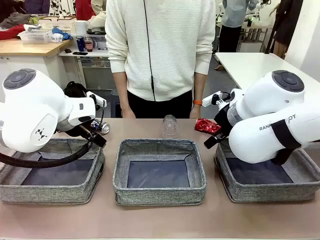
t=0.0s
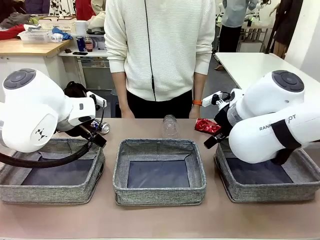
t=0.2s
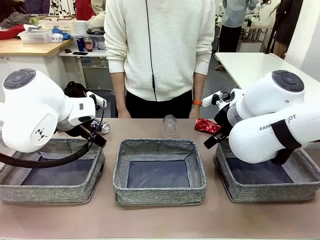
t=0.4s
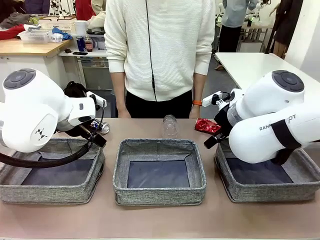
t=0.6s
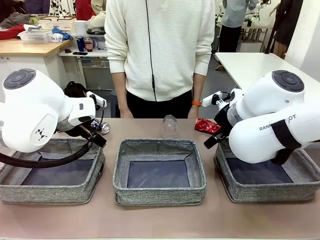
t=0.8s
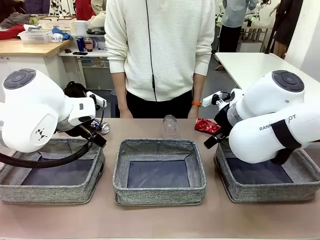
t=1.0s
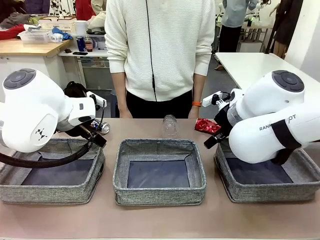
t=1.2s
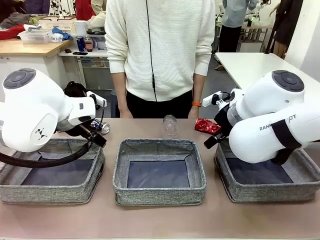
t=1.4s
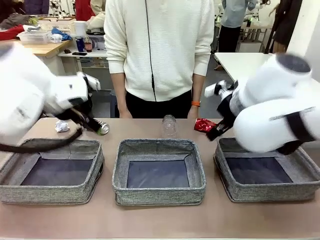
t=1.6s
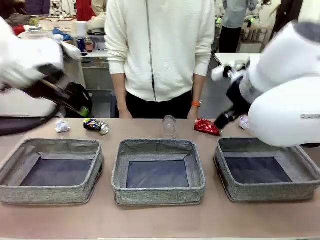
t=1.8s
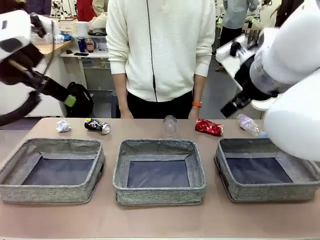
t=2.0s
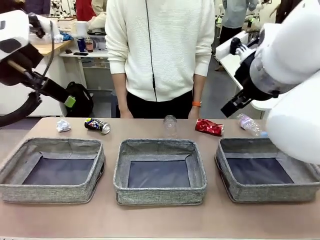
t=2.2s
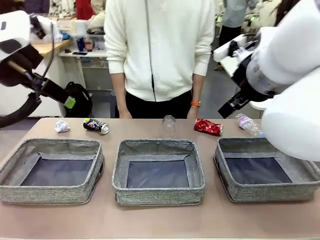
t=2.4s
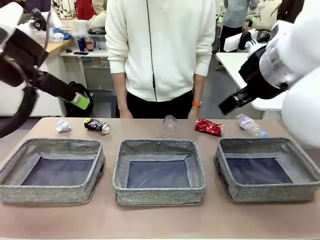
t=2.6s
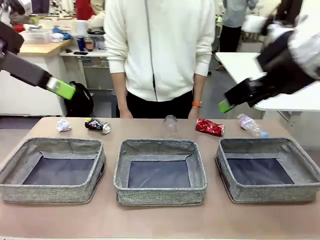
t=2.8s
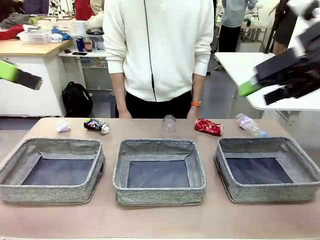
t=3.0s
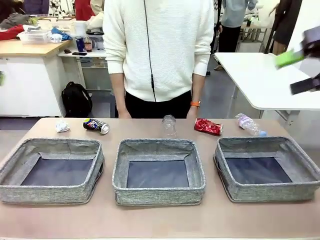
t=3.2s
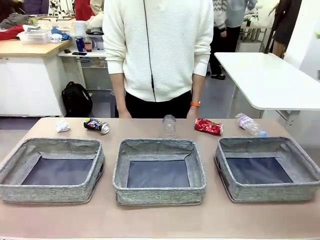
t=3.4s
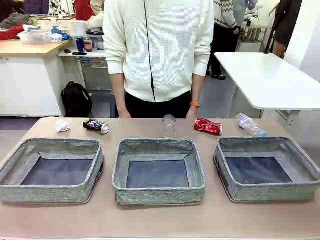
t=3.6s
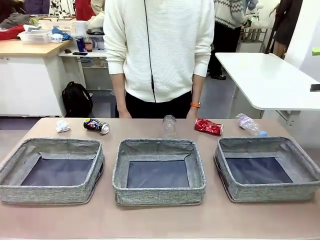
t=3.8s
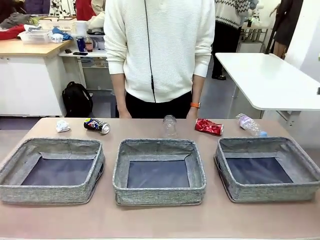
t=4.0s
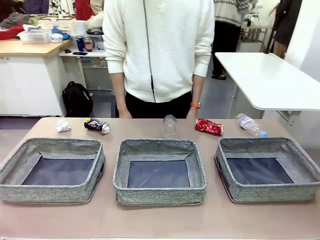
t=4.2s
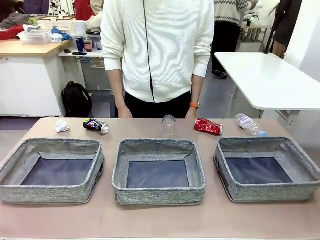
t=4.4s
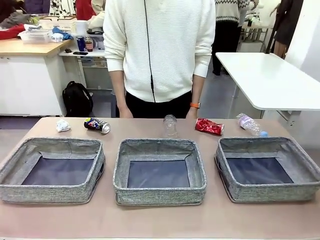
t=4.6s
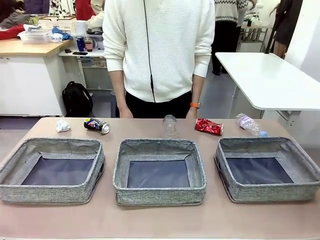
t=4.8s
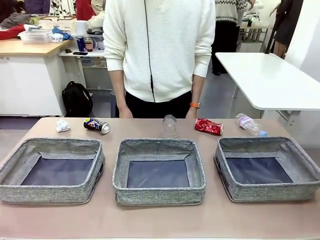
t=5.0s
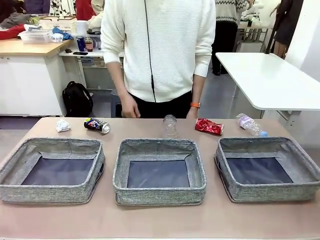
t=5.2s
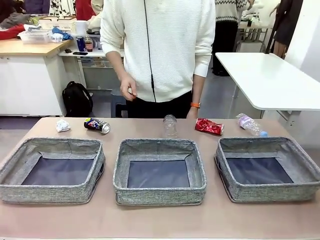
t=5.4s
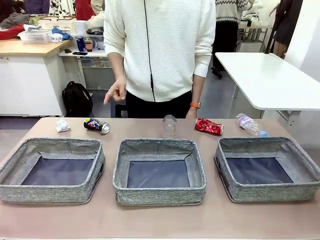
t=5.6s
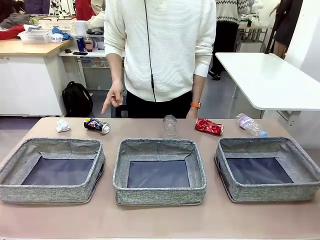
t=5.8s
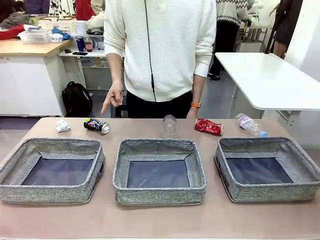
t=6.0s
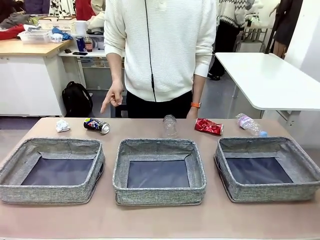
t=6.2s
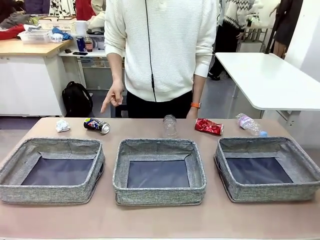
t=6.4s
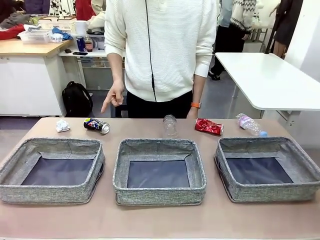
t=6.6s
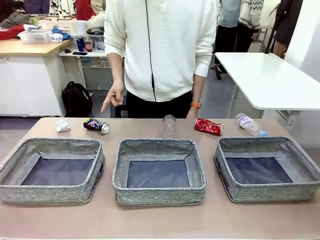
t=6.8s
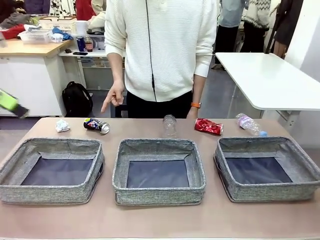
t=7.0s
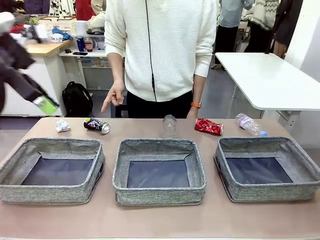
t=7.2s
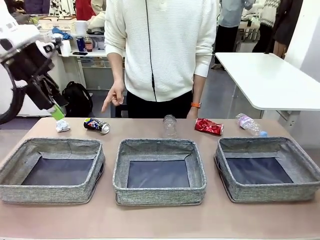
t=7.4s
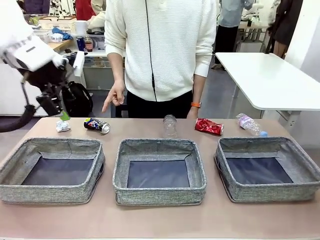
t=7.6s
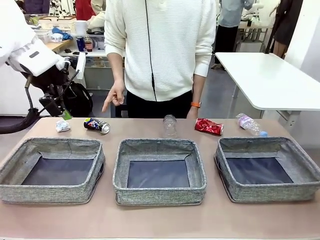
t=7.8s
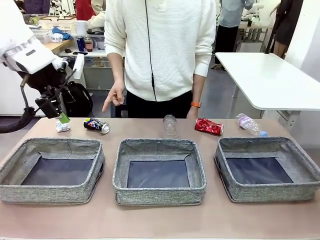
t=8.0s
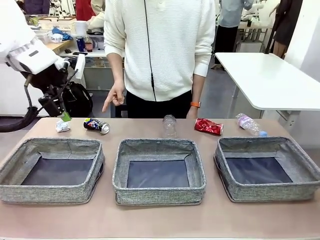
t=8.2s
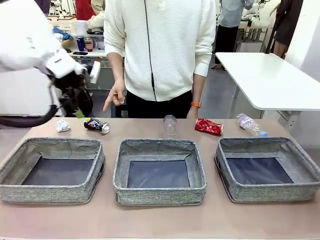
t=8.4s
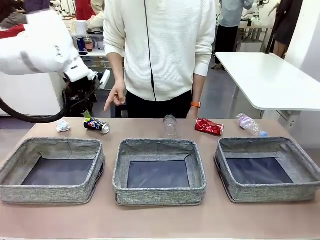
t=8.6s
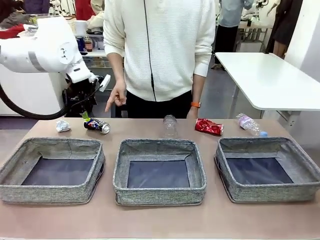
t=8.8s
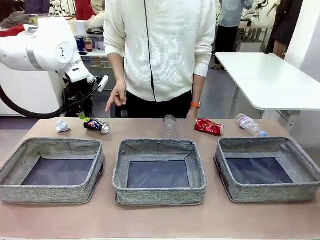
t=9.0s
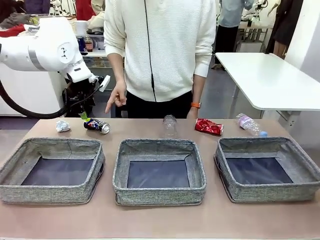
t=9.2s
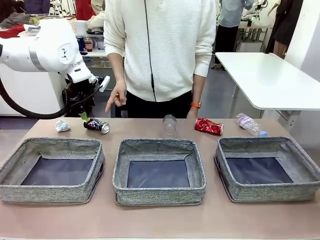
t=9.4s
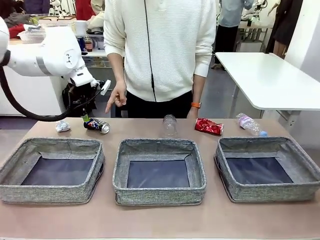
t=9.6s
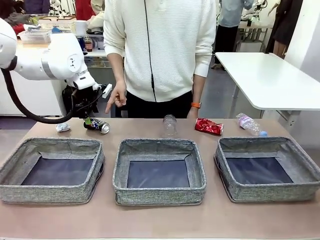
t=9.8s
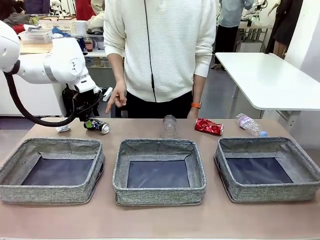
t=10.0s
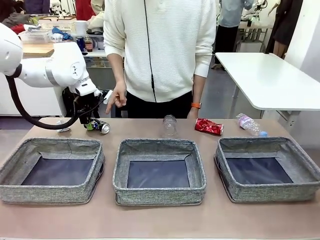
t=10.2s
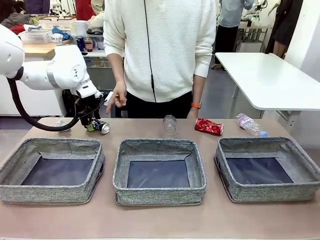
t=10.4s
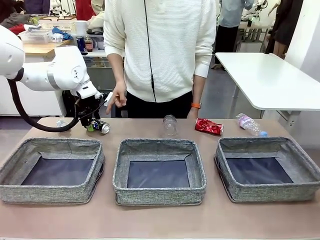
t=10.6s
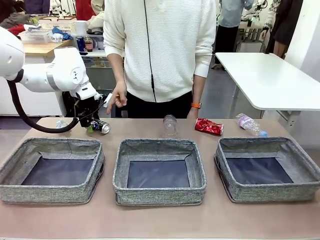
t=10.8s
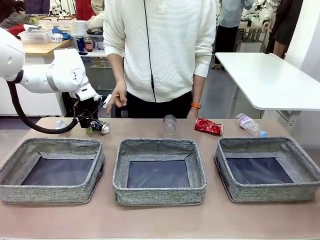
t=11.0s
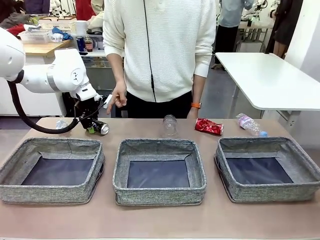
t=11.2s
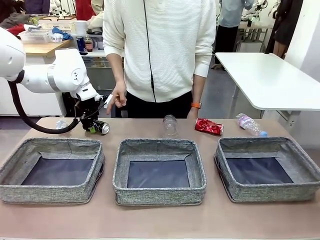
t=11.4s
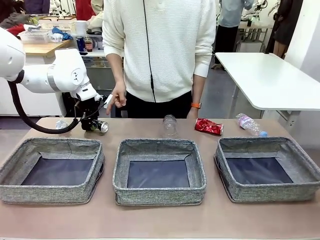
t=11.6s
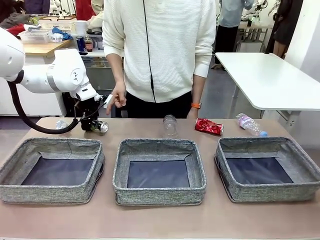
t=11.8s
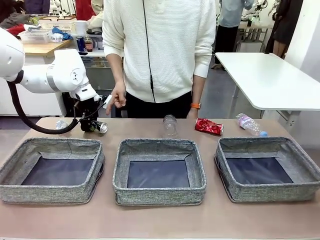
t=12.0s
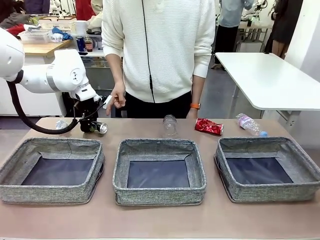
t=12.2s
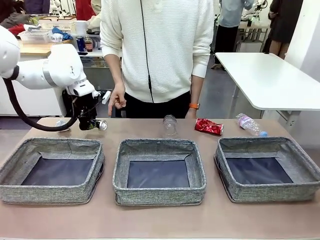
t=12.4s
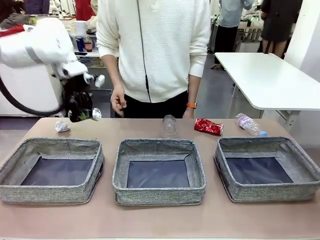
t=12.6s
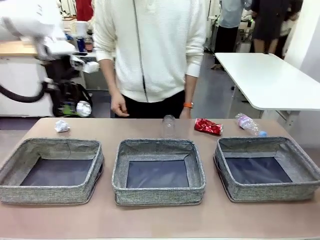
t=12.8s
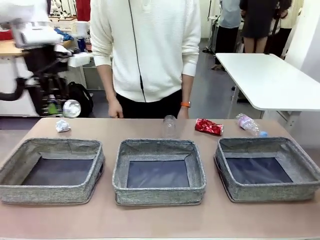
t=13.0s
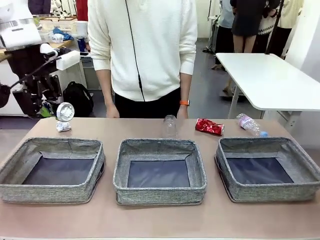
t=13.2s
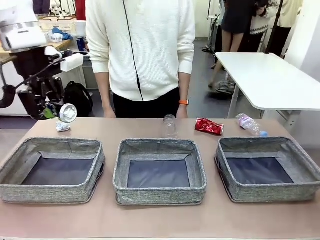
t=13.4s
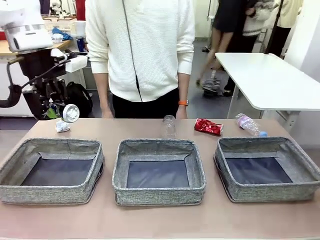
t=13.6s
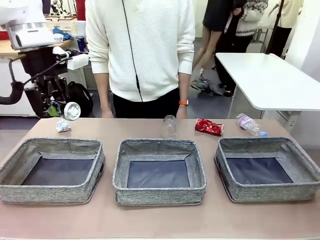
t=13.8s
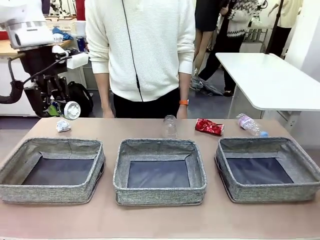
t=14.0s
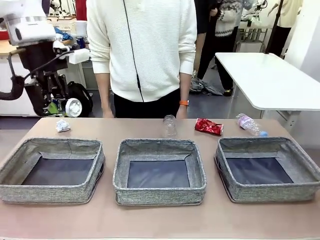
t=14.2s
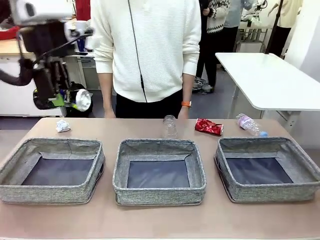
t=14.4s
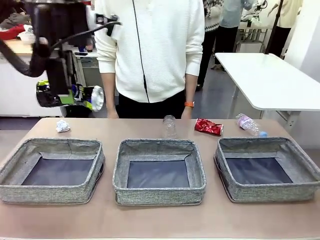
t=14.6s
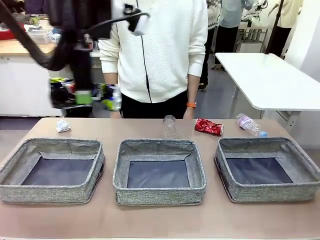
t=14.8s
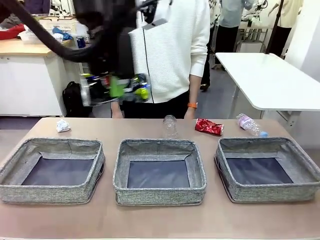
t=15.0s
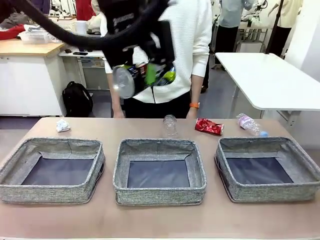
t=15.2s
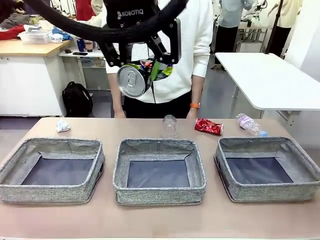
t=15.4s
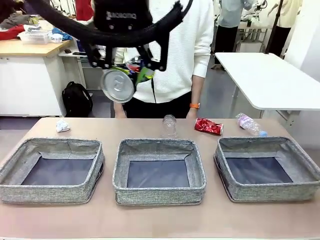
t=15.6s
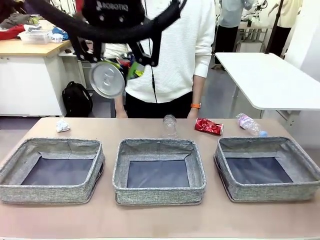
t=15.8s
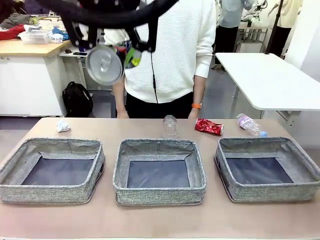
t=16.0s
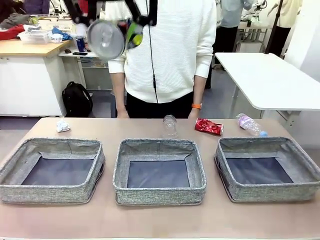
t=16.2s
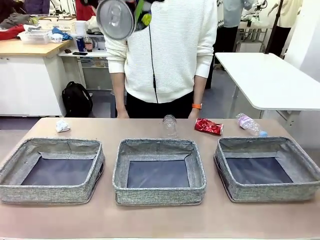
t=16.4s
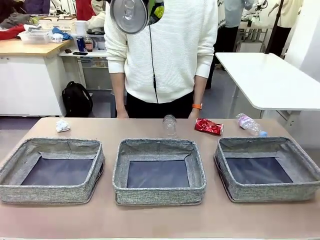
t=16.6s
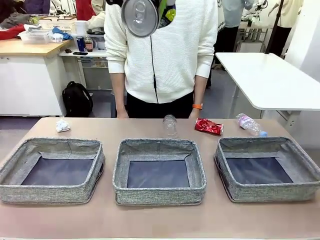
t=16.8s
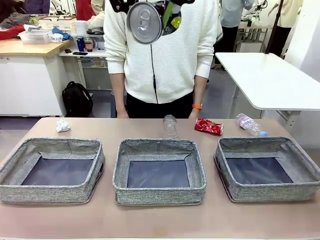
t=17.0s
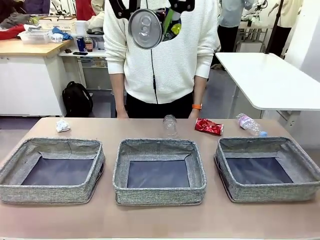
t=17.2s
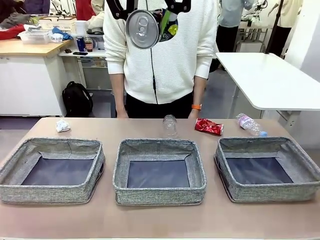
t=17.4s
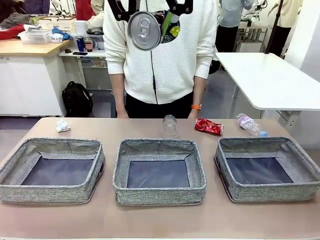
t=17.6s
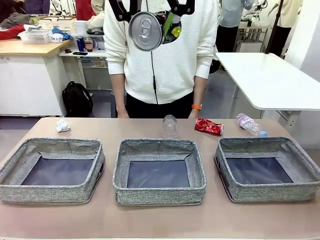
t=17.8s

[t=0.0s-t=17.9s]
Task: Sort the waste into the appropriate baskets.
Robot: Pick up the waste item pointed out by the person.
Person: Points to one piece of trash on the table.

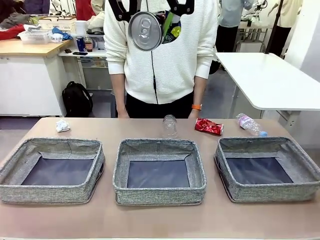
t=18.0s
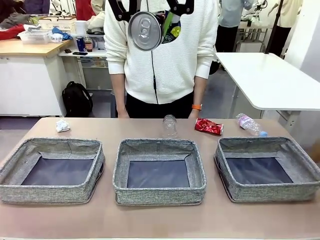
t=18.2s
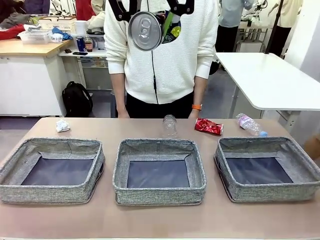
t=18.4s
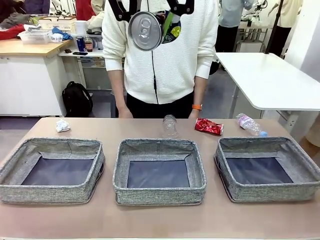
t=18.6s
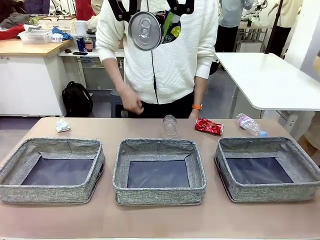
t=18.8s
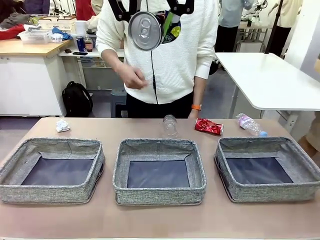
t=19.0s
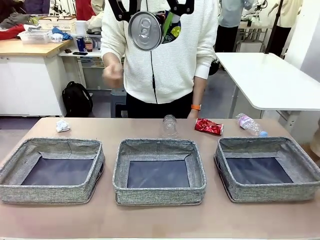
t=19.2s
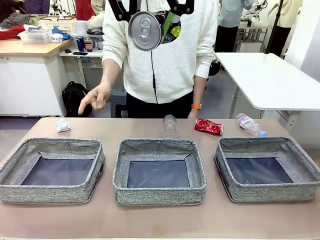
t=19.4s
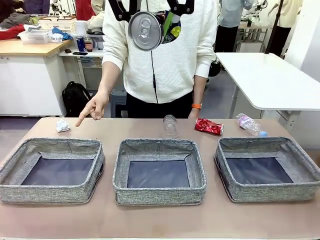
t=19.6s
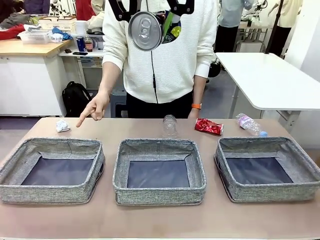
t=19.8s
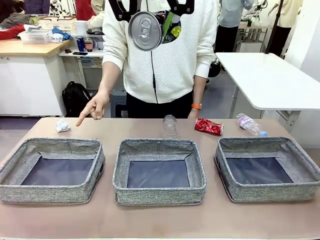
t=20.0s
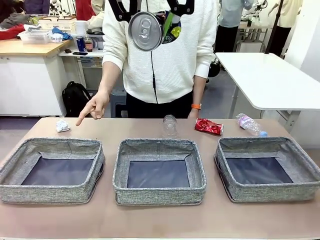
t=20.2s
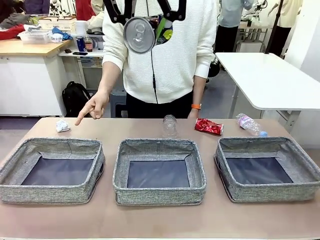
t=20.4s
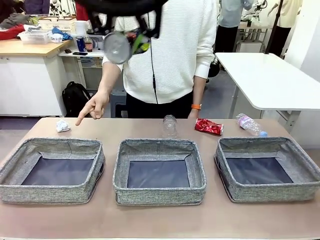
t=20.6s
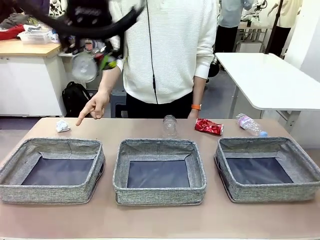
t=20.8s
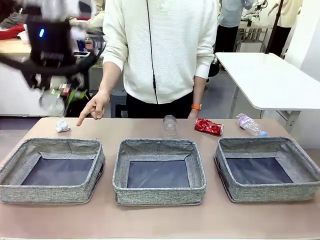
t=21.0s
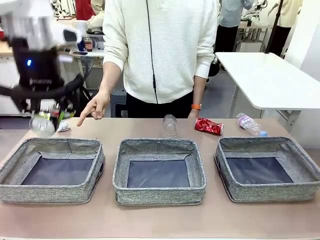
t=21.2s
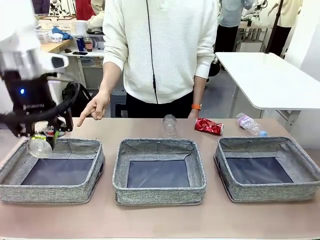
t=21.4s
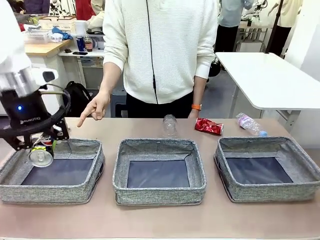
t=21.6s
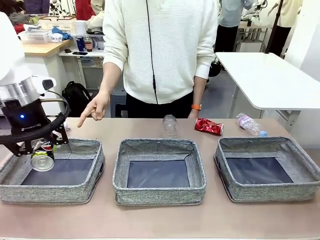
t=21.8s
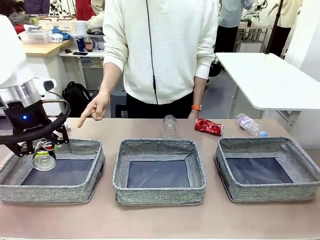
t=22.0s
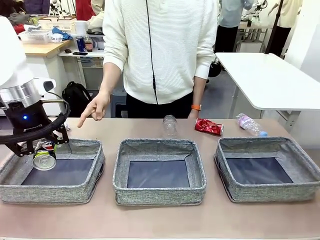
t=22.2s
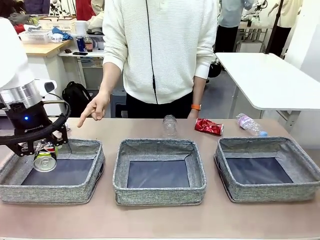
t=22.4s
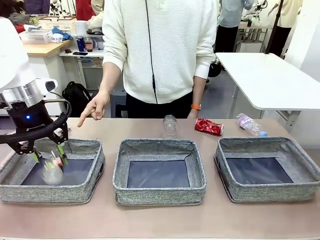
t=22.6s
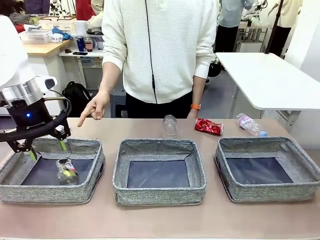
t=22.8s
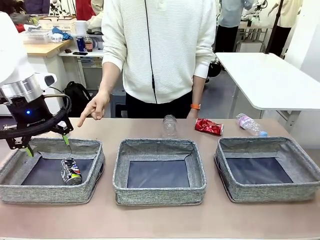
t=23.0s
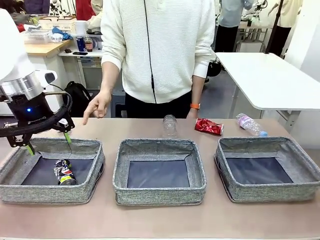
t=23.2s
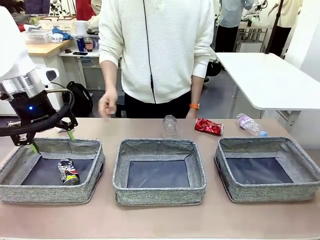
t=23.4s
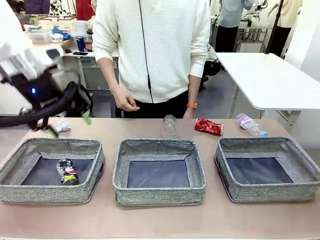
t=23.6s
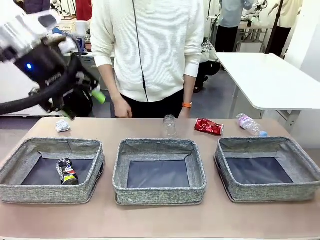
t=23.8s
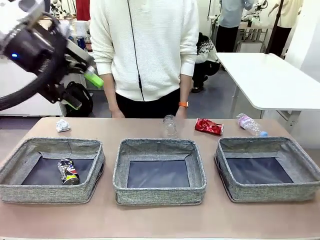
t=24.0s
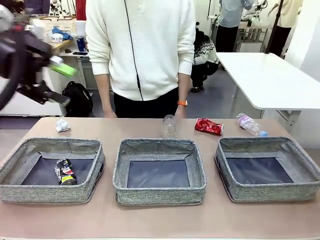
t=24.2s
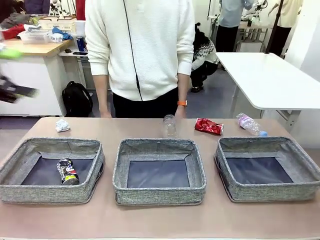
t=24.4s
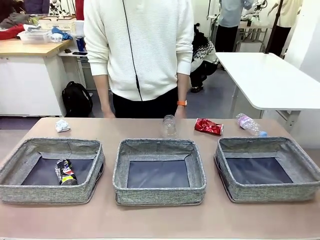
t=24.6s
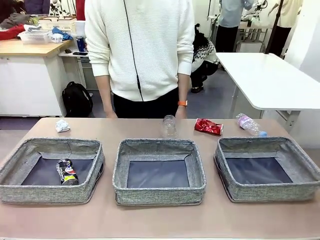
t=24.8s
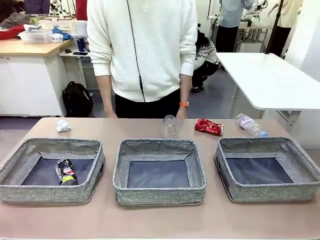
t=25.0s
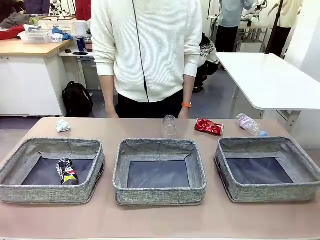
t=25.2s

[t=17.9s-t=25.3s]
Robot: Place the picked waste into the Fabric basket indicated by the person.
Person: Instructs the robot to place the picked-up trash into the appropriate organizing basket.
